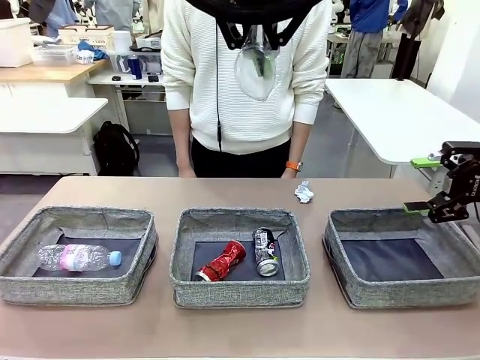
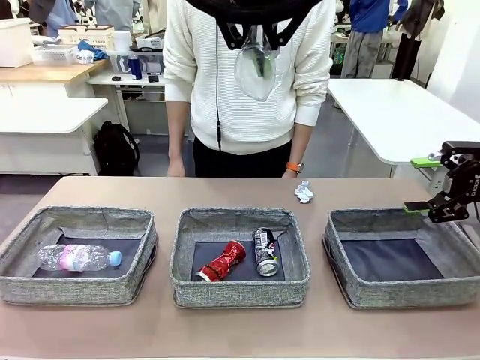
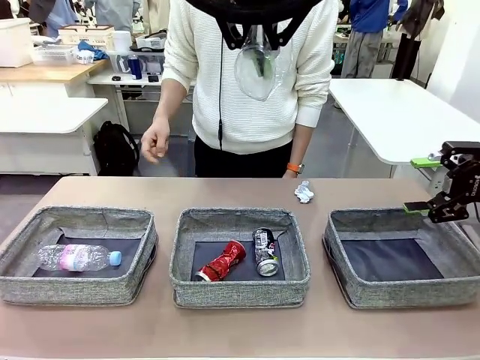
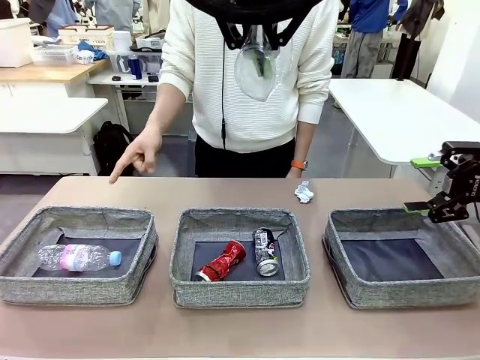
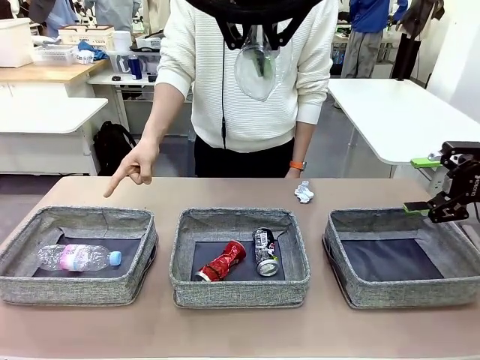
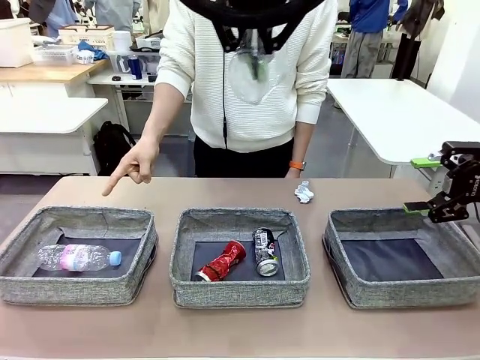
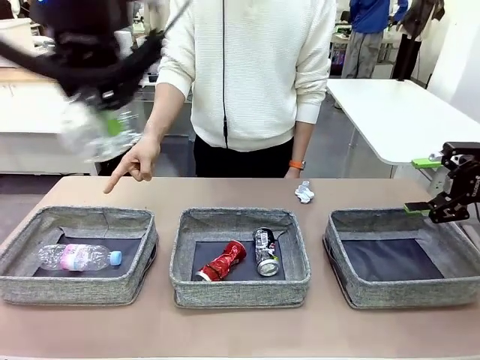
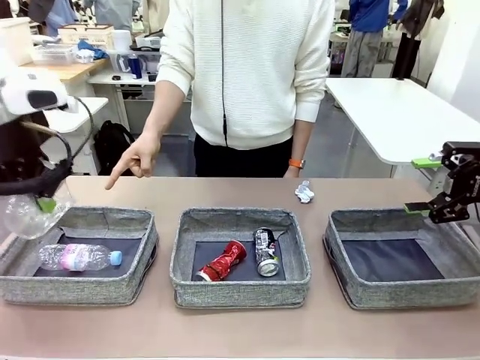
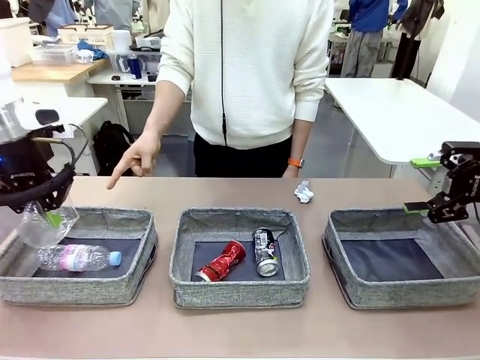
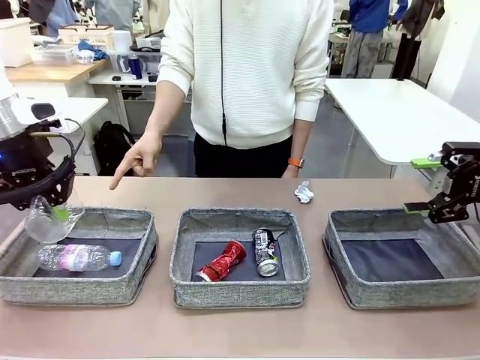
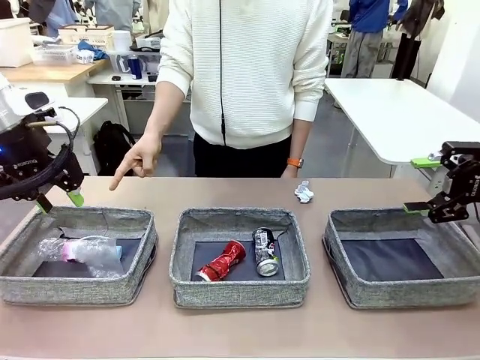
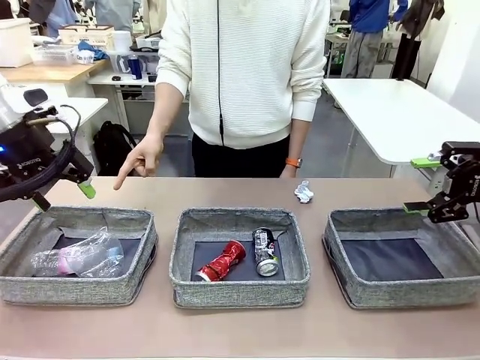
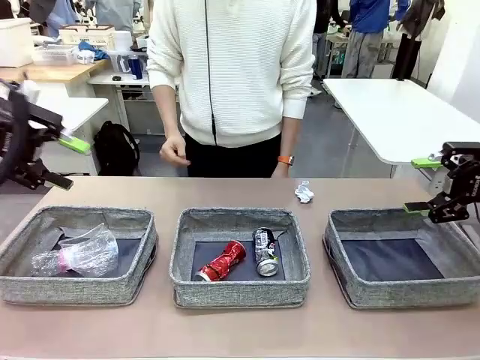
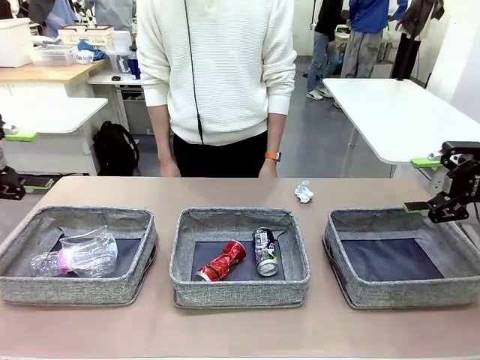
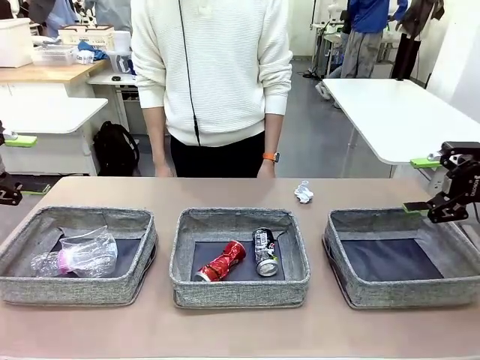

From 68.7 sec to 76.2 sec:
Task: Sort the waste into the appropriate baskets.
Robot: Place the picked waste into the Fabric basket indicated by the person.
Person: Instructs the robot to place the picked-up trash into the appropriate organizing basket.

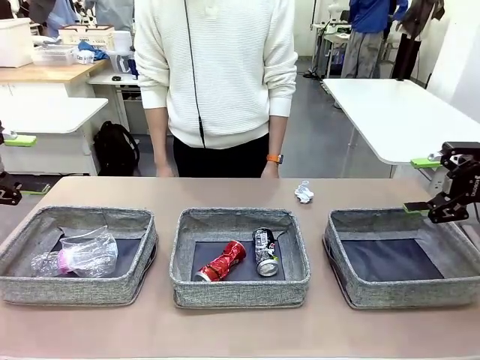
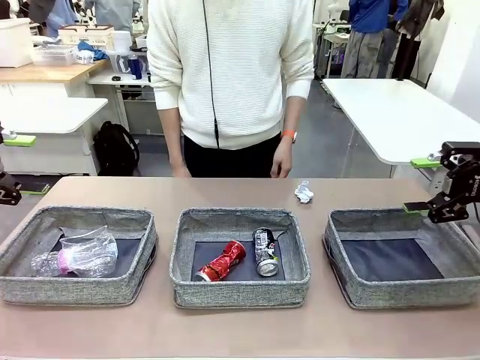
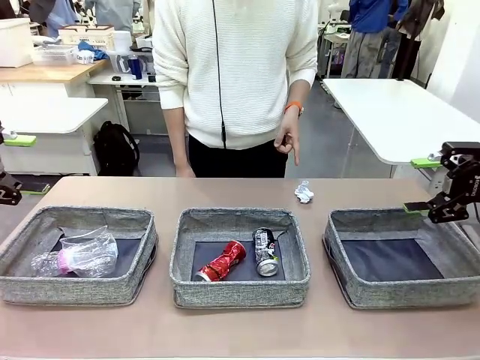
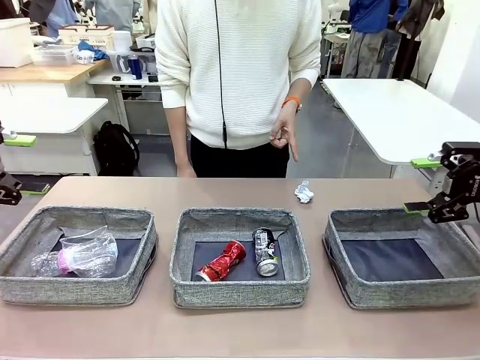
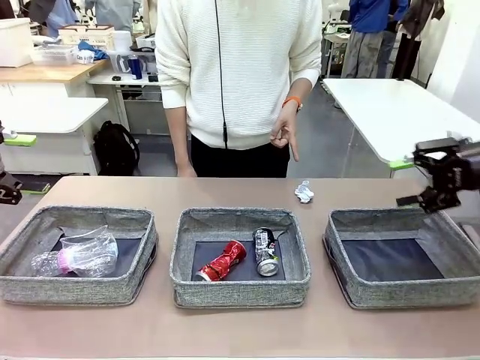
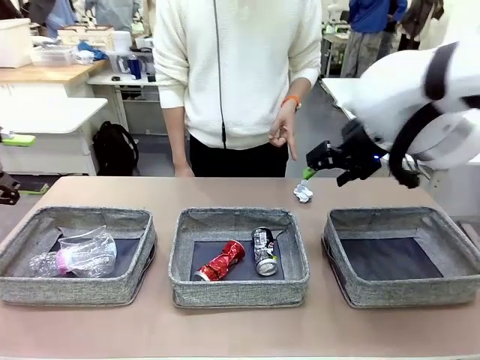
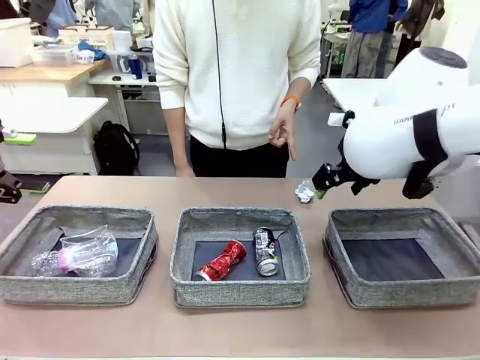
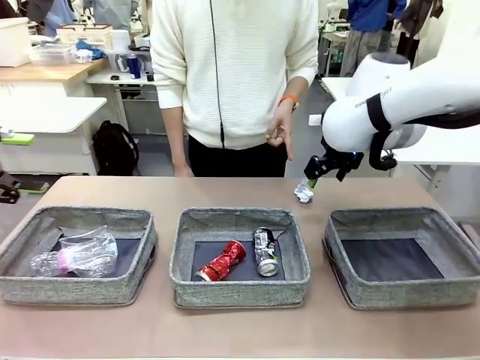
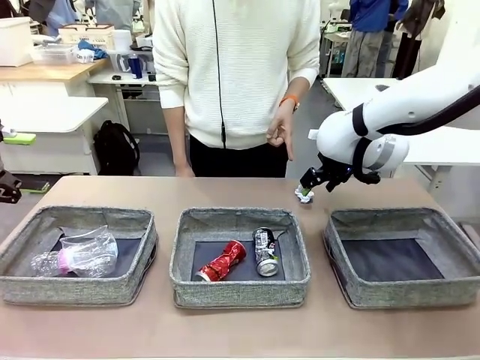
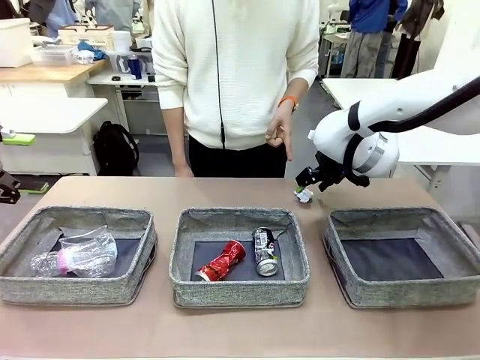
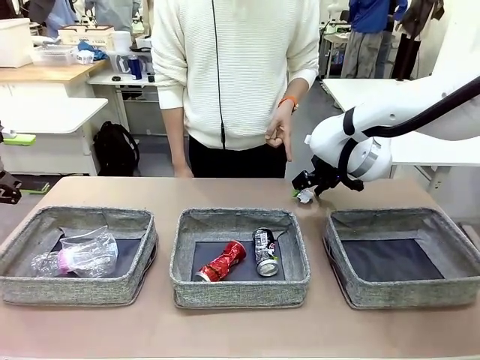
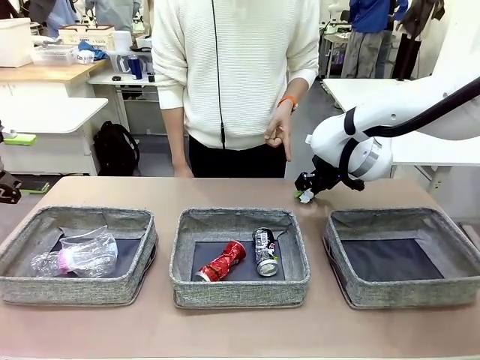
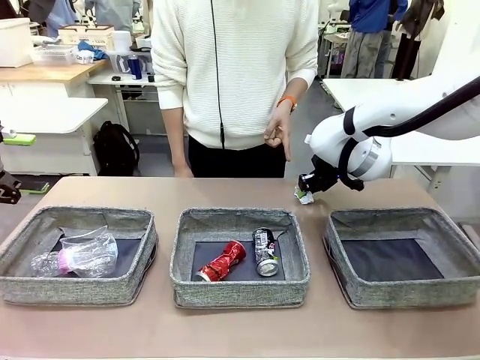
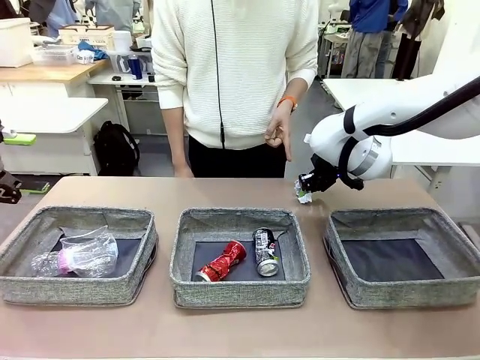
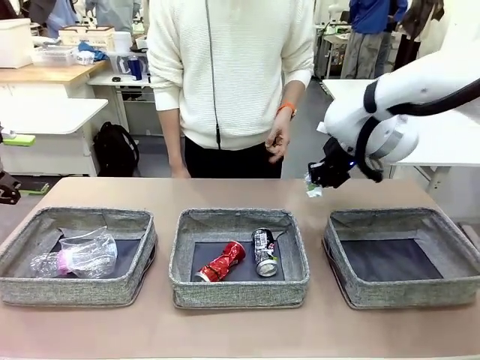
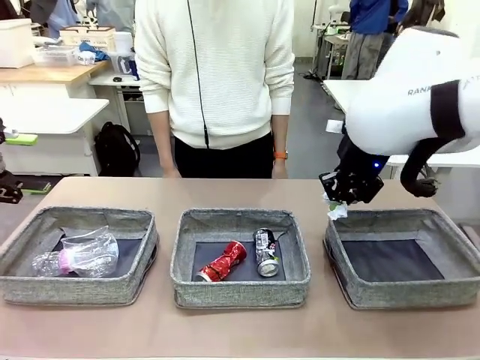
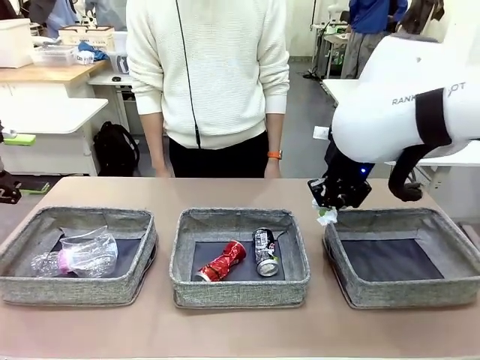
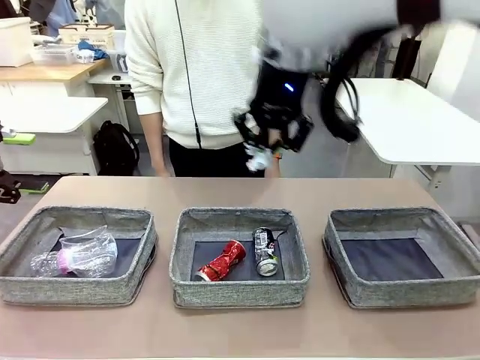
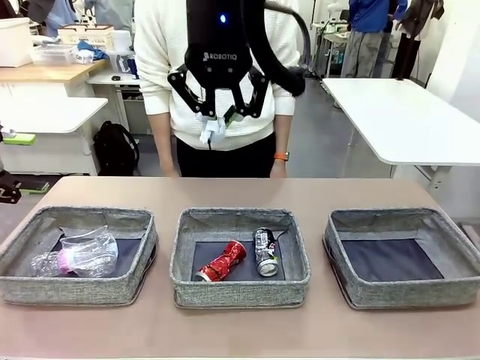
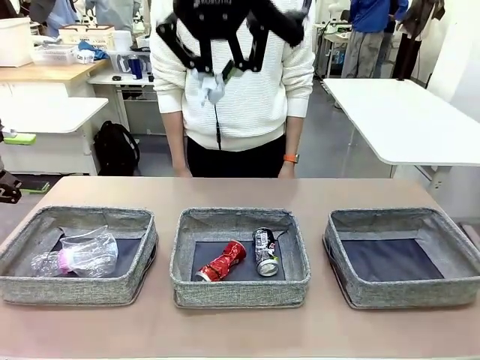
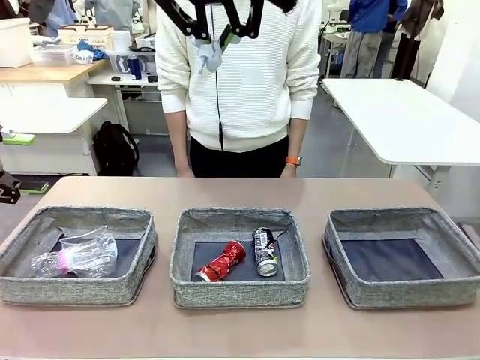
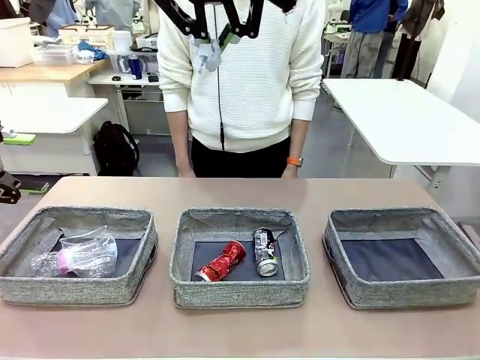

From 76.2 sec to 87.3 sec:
Robot: Pick up the waste item pointed out by the person.
Person: Points to one piece of trash on the table.

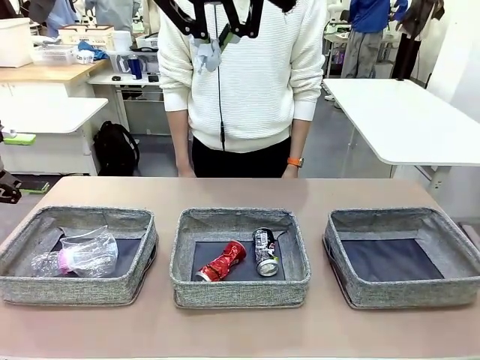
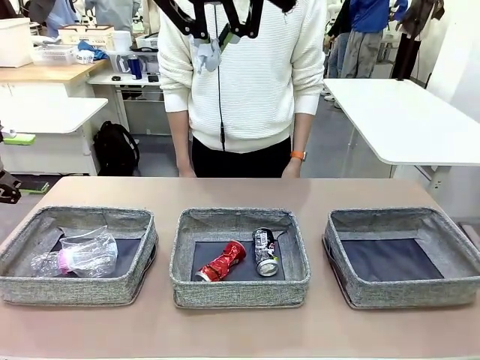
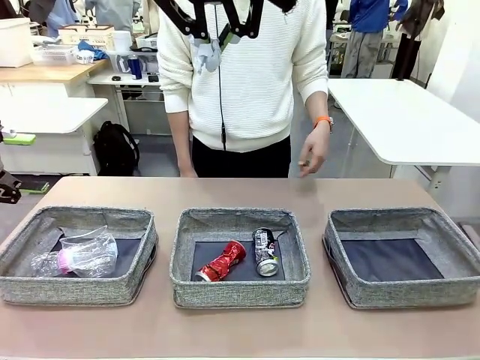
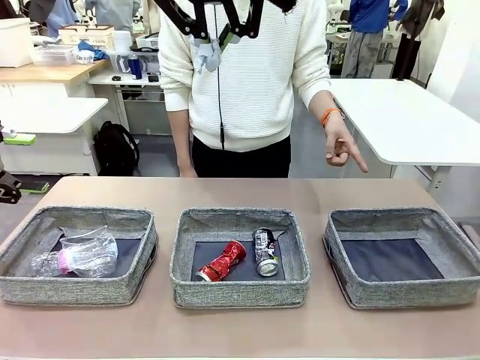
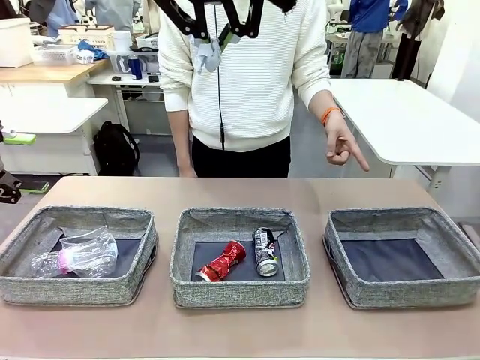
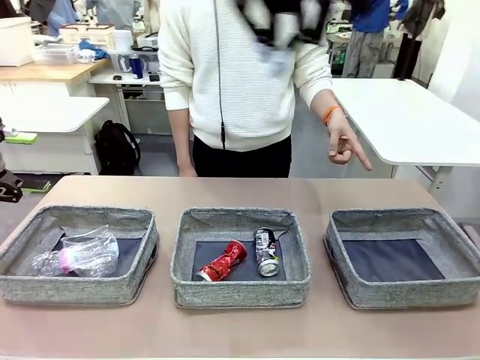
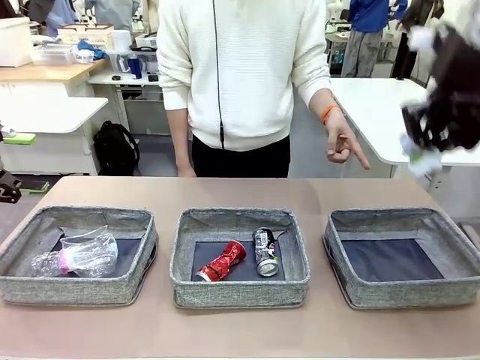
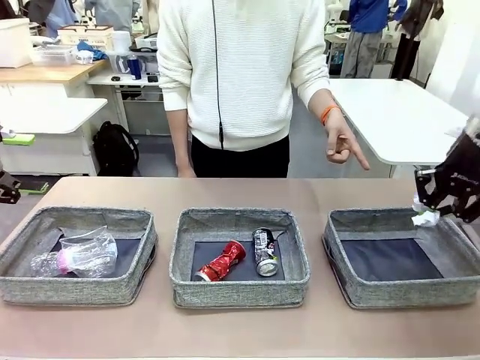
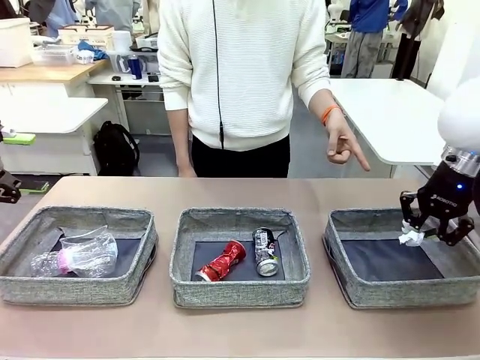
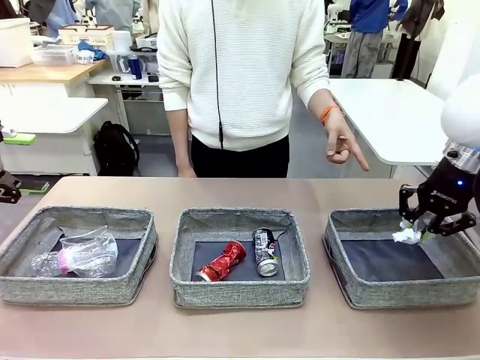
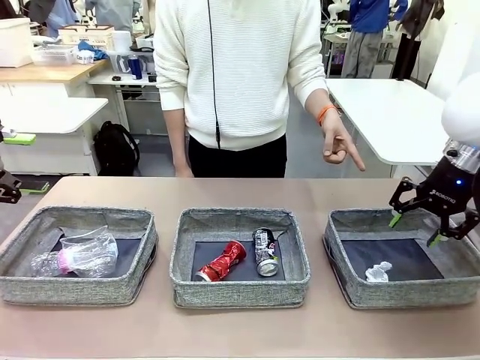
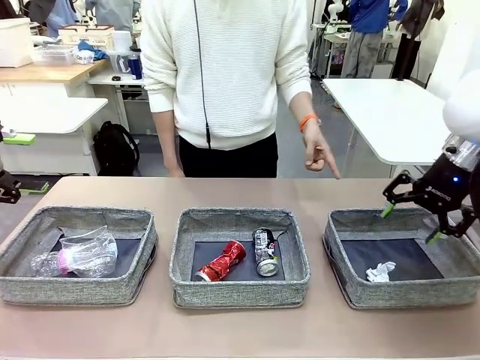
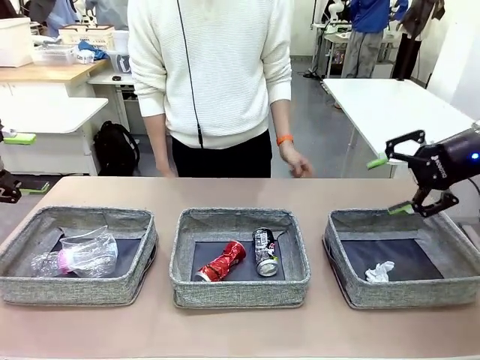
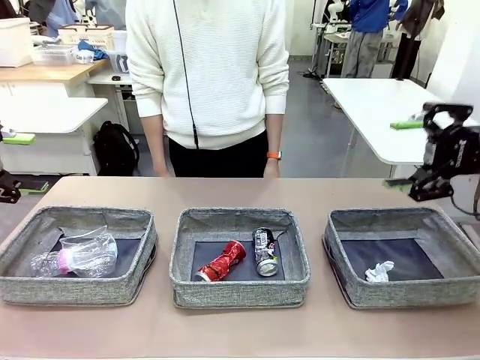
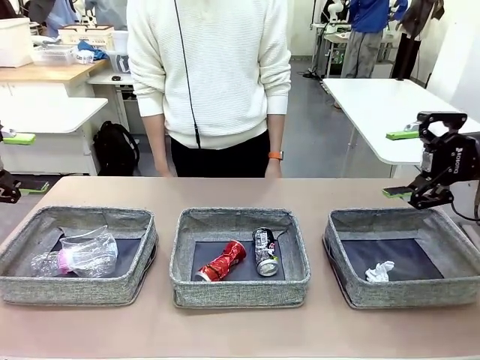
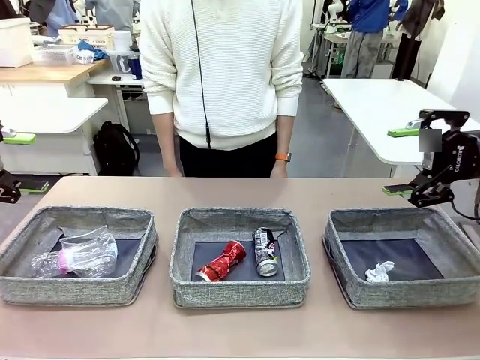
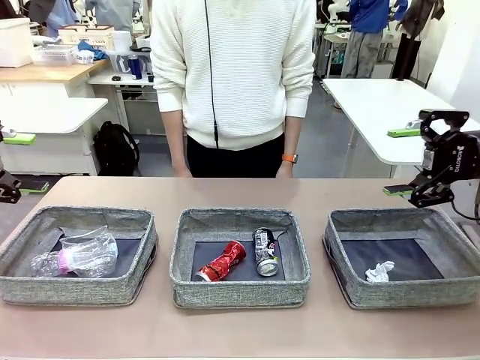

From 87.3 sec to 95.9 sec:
Robot: Place the picked waste into the Fabric basket indicated by the person.
Person: Instructs the robot to place the picked-up trash into the appropriate organizing basket.
